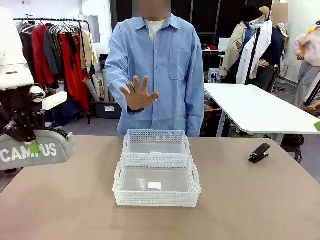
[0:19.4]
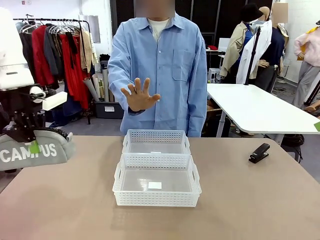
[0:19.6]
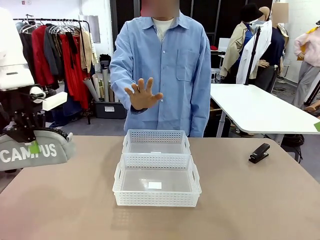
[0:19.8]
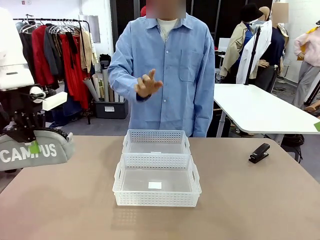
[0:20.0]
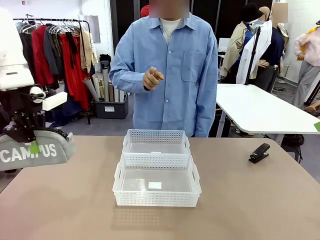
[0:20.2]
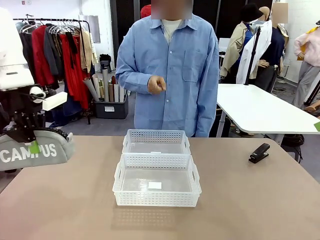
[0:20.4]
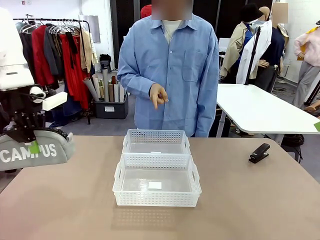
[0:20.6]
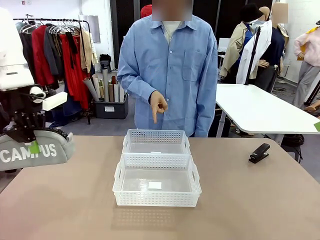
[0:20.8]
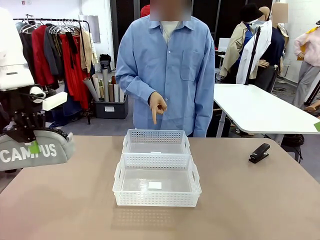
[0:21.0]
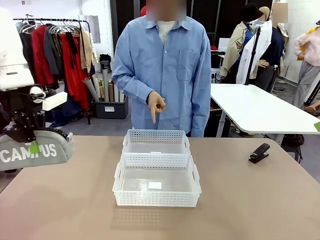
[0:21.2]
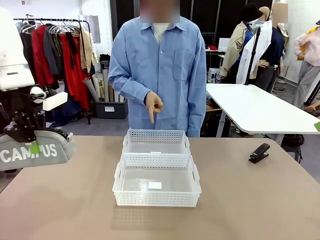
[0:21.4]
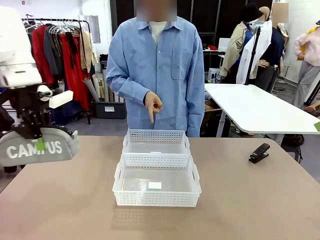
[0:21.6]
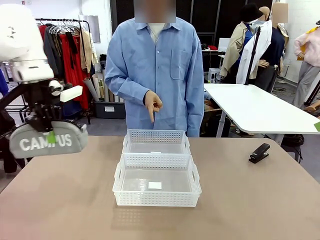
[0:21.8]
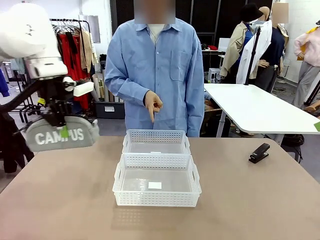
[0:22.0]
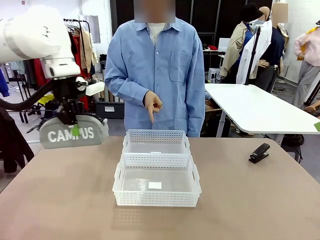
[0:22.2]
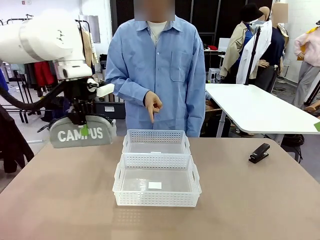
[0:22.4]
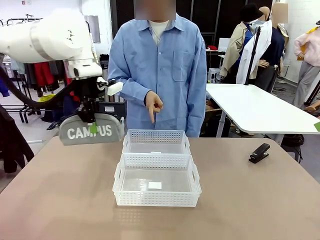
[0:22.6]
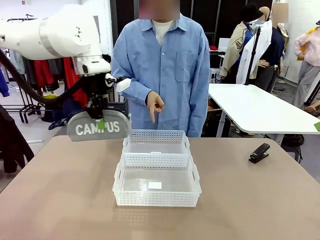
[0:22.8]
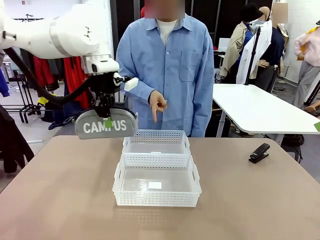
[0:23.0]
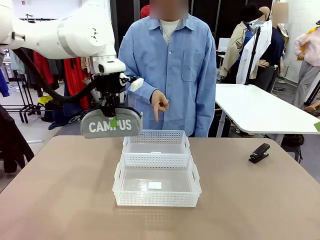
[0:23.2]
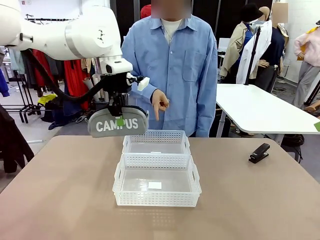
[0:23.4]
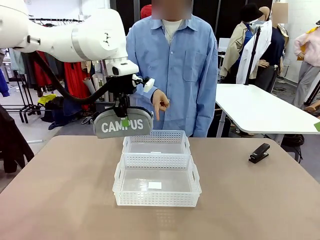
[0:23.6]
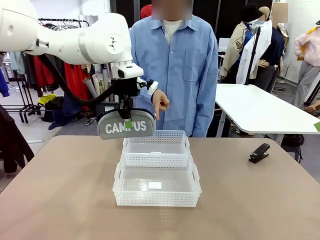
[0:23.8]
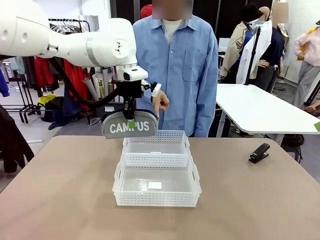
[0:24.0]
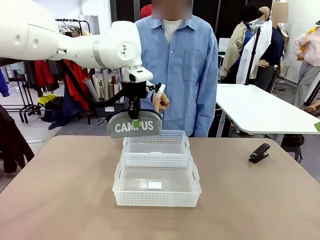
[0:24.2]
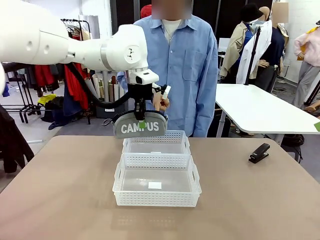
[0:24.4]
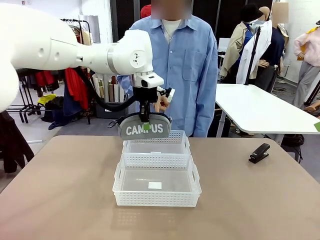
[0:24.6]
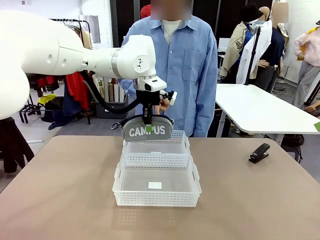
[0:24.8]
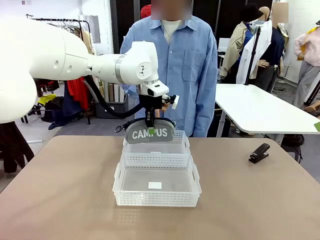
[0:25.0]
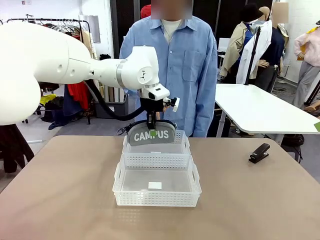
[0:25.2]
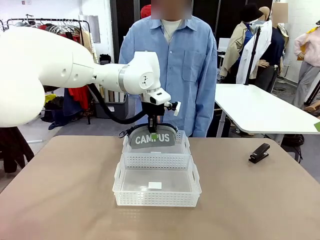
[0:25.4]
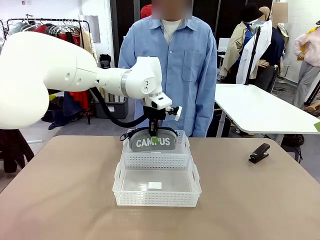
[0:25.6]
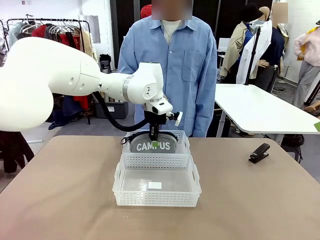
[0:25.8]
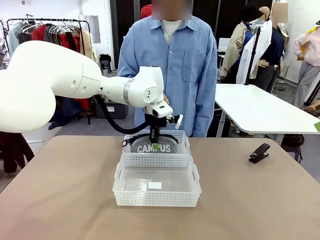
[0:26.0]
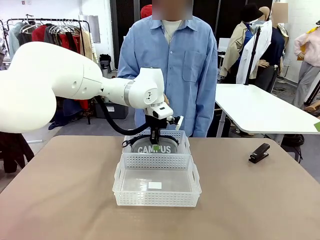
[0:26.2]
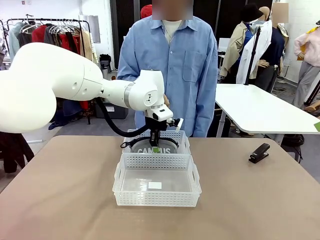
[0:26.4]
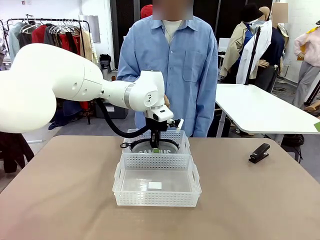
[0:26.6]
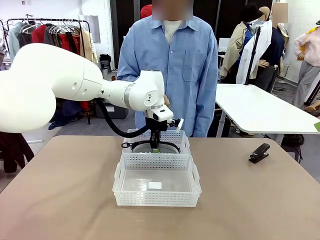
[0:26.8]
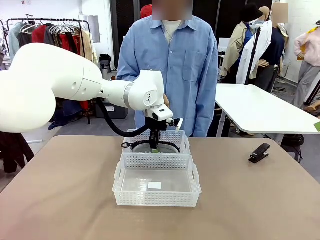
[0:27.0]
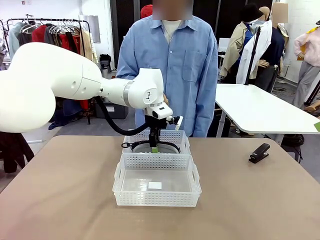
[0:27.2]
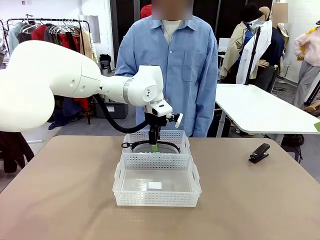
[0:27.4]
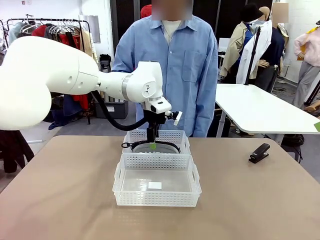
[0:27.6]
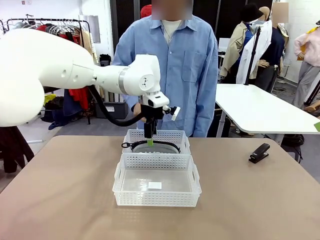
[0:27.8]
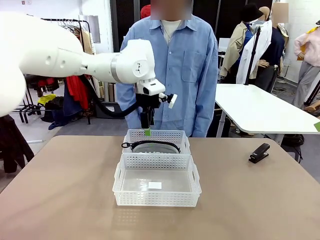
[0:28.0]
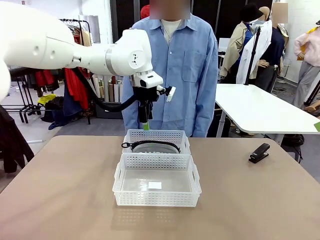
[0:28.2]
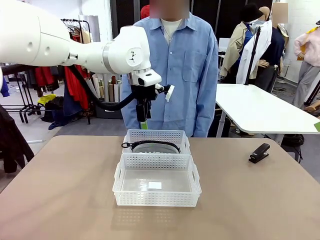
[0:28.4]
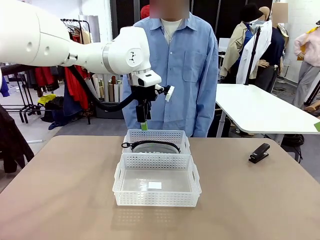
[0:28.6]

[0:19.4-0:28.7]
Task: Distribute items into two baskets.
Robot: Place the picked Pencil pouch into the Organizing basket as instructed by the person.
Person: Instructs the robot to place the pencil case into the opposite basket. Points to the stapler.

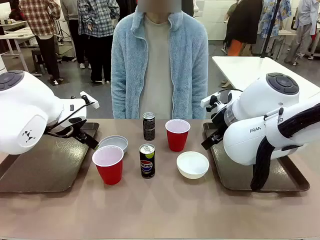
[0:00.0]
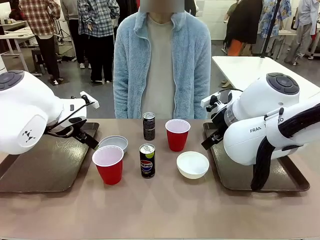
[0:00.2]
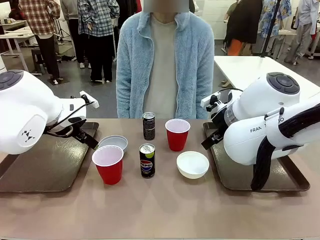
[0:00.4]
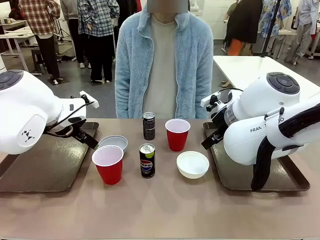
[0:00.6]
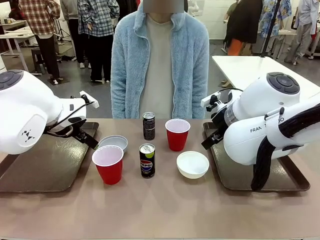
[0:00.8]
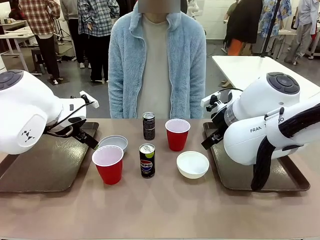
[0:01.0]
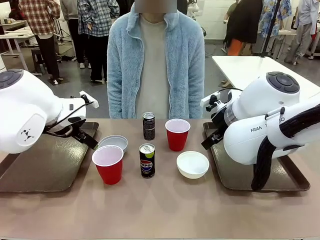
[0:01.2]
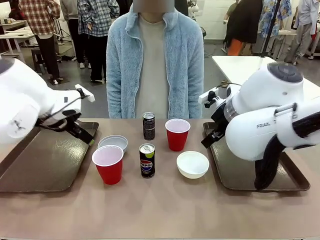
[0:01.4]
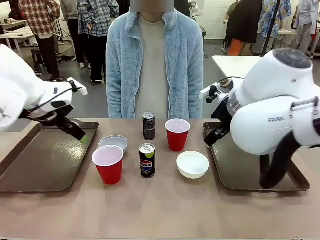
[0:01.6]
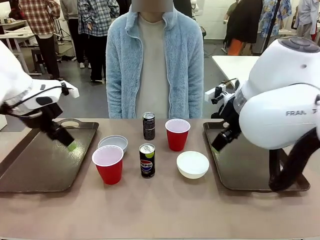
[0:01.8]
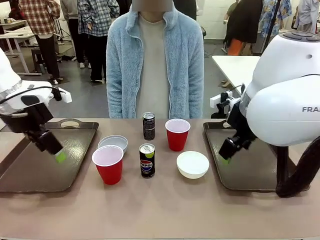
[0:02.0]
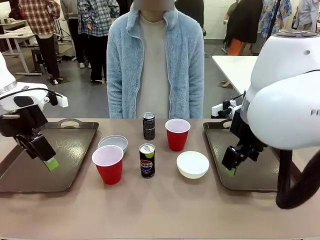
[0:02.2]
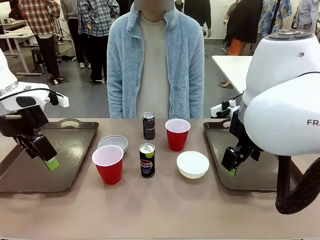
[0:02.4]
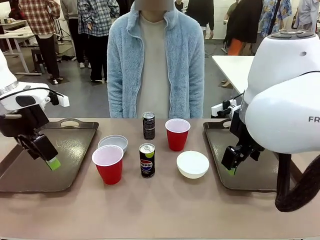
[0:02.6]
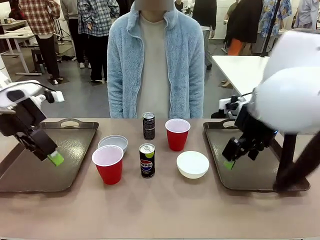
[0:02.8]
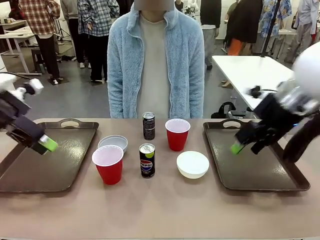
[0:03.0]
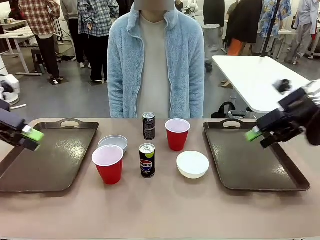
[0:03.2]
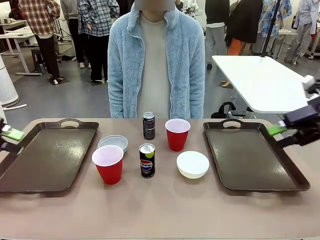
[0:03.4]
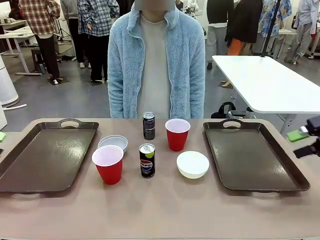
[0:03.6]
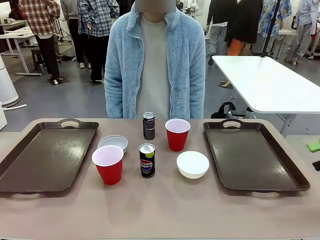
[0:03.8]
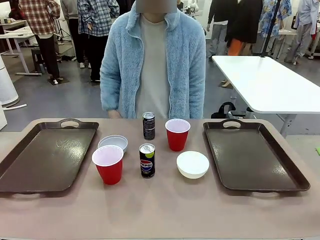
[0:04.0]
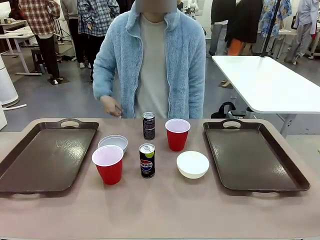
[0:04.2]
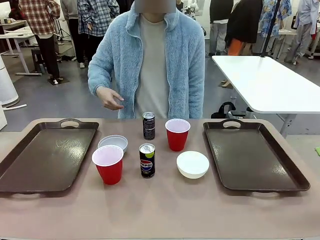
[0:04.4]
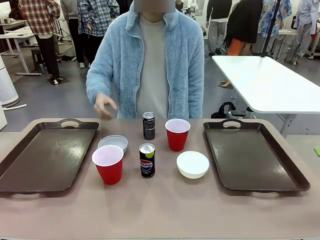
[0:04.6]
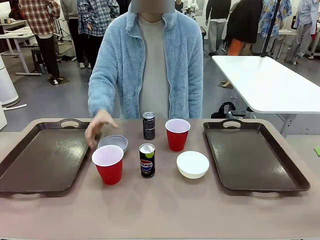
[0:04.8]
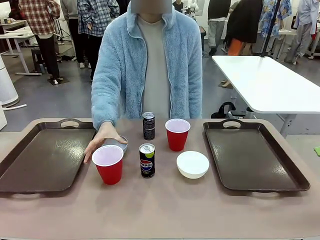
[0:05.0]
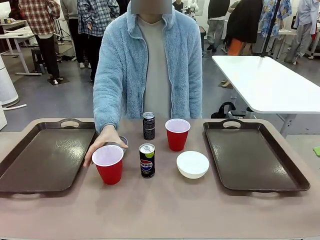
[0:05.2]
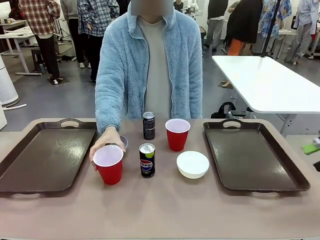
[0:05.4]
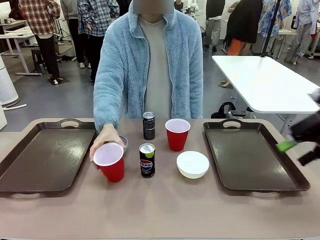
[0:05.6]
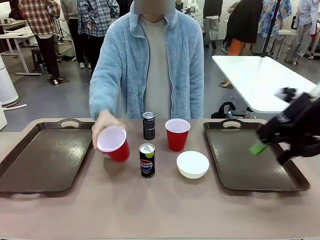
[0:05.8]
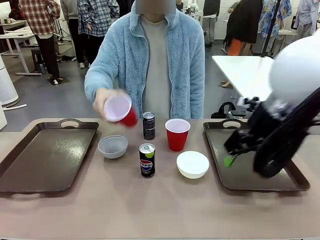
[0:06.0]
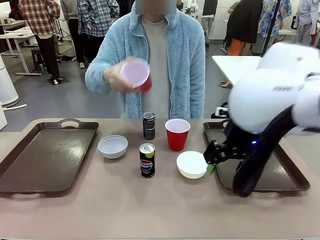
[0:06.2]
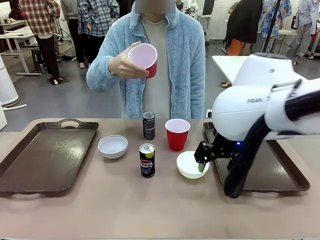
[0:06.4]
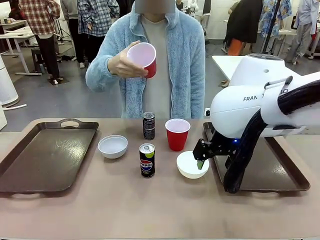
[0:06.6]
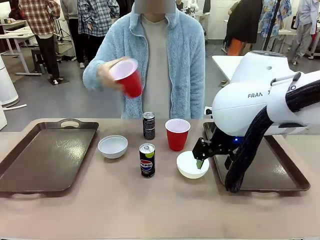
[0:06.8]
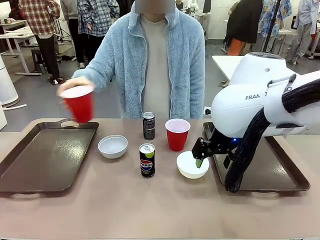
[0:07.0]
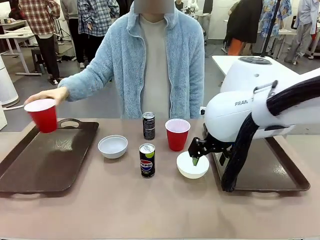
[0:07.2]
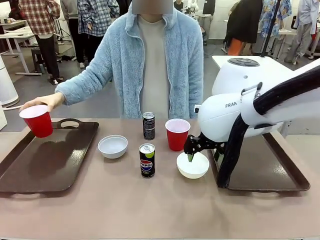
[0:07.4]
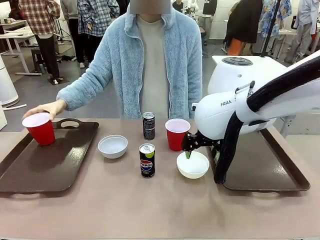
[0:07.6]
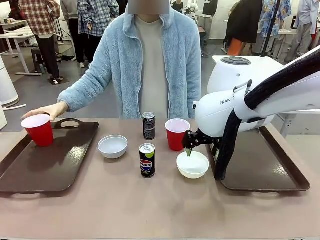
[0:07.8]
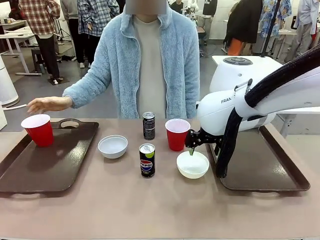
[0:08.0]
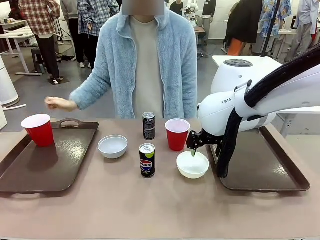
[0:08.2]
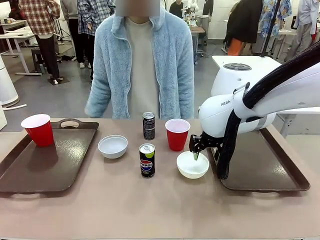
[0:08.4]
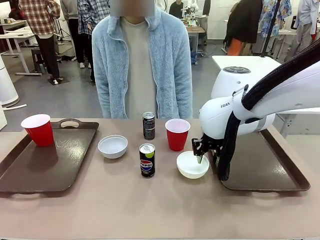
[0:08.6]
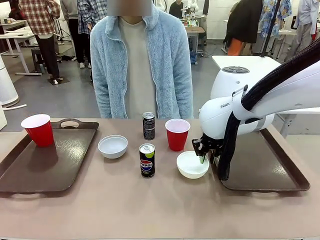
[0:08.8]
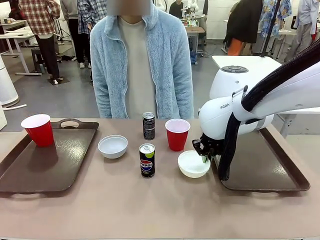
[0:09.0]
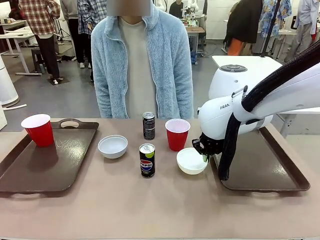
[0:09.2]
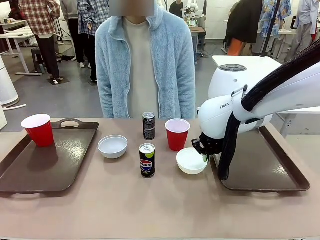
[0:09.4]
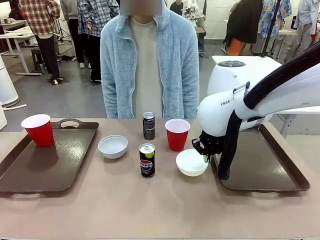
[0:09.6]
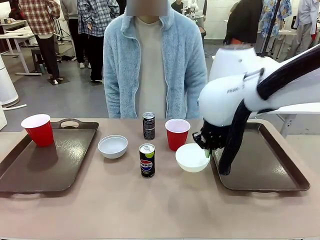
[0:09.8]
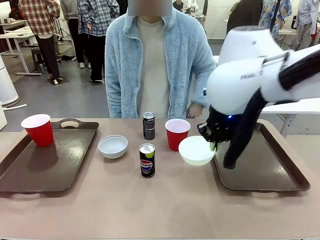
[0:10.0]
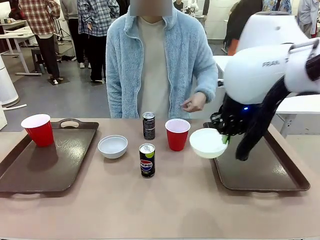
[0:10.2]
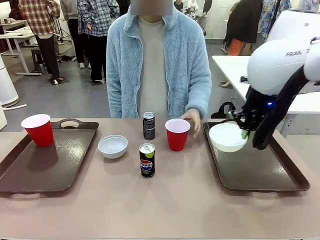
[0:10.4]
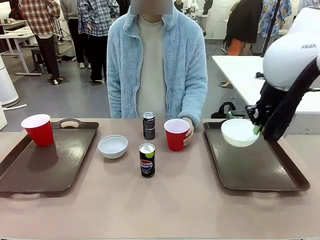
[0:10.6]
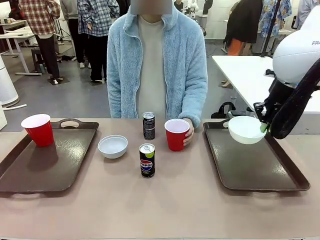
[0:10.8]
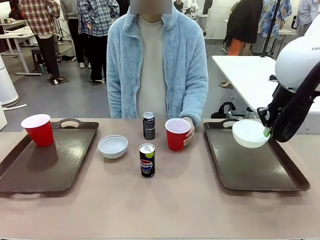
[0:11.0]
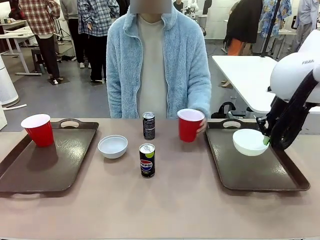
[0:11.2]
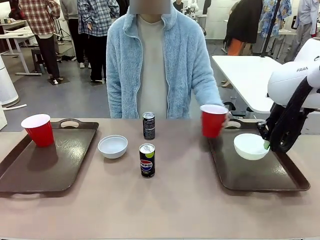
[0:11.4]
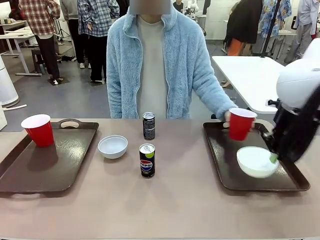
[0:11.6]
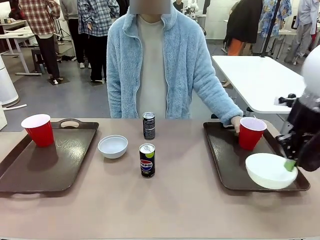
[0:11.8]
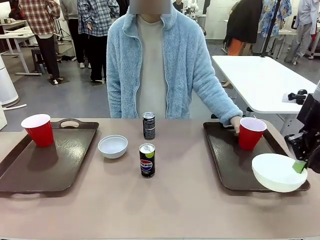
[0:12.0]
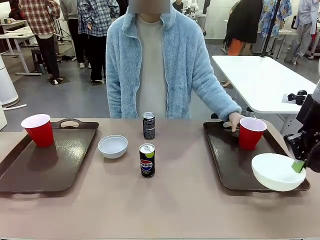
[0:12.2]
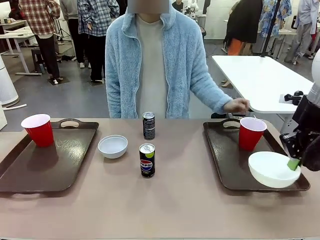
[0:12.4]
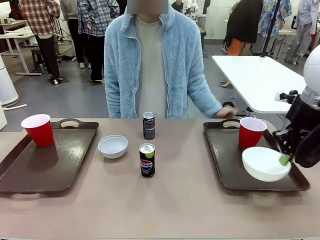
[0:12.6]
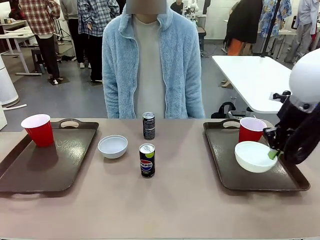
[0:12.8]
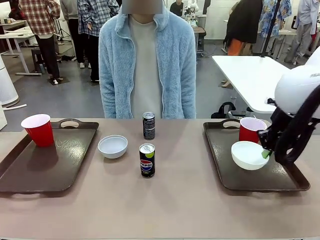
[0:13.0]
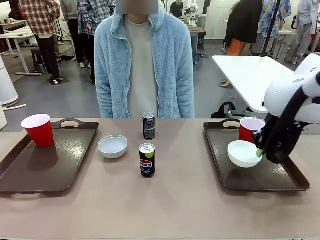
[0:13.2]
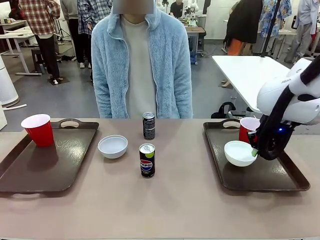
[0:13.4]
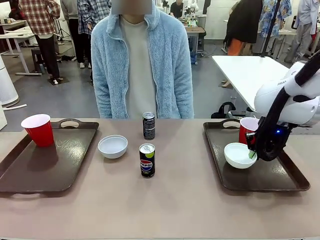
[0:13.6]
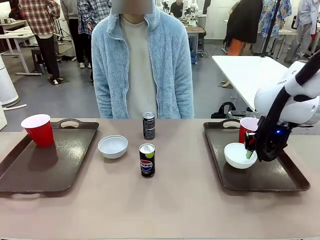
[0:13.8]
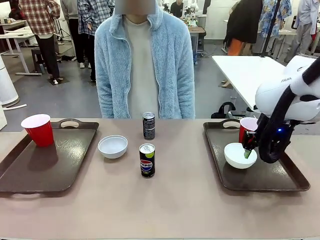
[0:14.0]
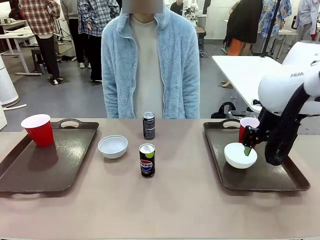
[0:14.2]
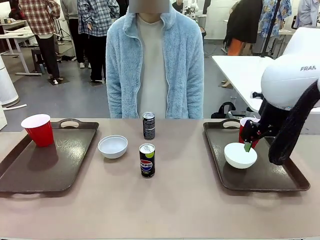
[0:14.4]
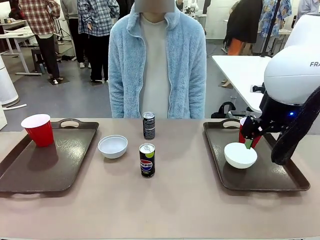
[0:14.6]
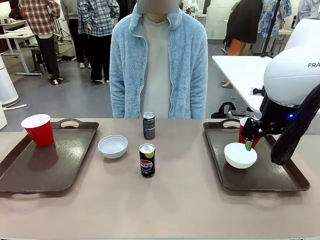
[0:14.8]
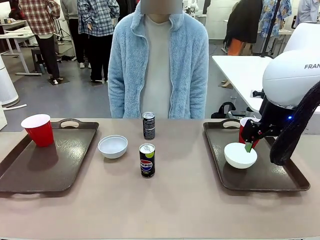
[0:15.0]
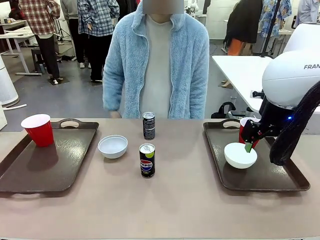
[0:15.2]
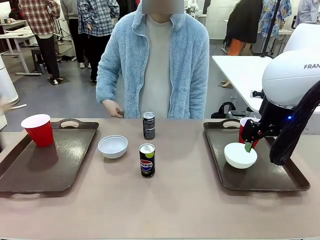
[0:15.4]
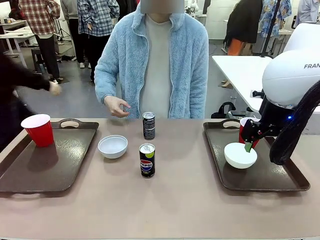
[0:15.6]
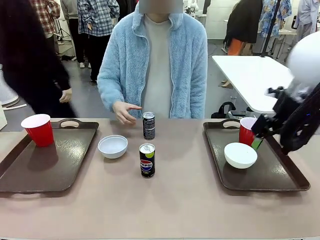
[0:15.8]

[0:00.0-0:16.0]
Task: Prepare tableware on both trays.
Robot: Pick up a Picnic Bowl from the table and place it on a Handle tray.
Person: Pick up a can or cup and place it on the tray.
